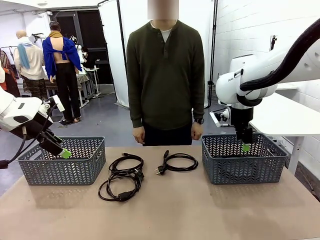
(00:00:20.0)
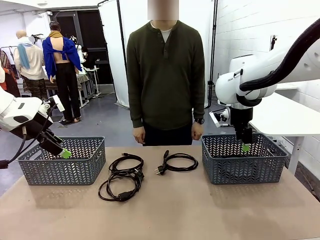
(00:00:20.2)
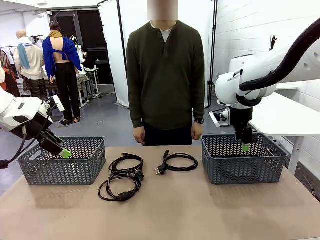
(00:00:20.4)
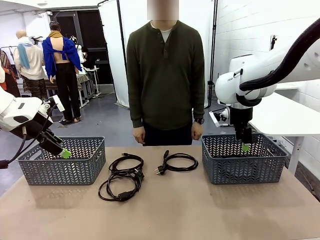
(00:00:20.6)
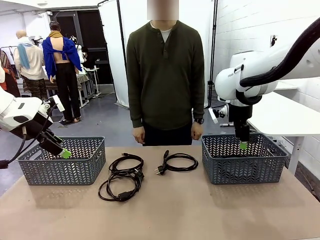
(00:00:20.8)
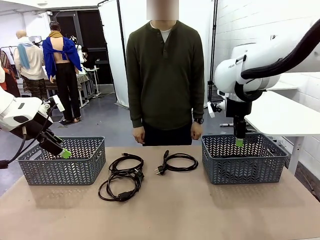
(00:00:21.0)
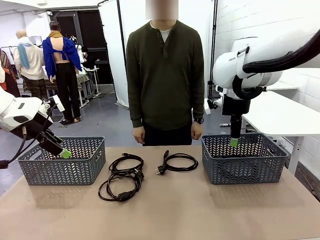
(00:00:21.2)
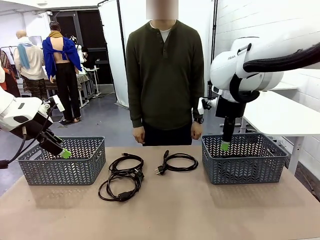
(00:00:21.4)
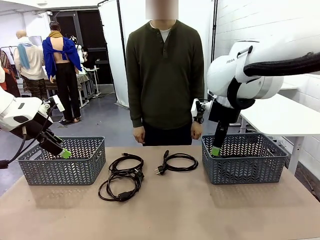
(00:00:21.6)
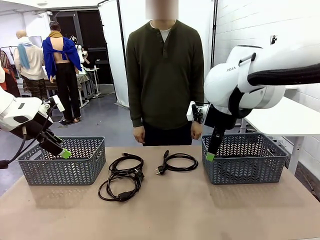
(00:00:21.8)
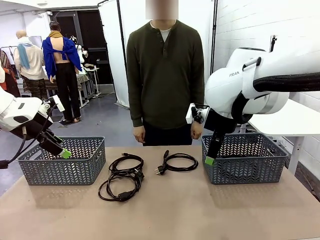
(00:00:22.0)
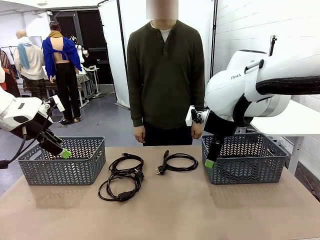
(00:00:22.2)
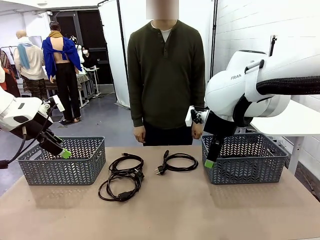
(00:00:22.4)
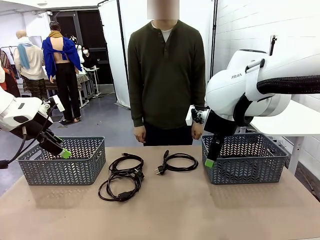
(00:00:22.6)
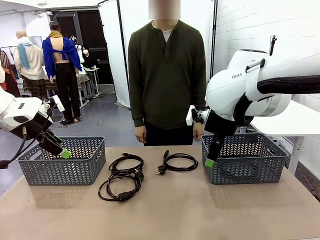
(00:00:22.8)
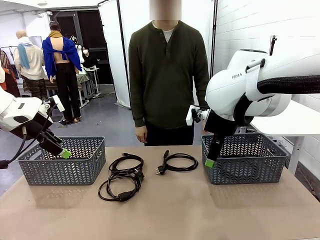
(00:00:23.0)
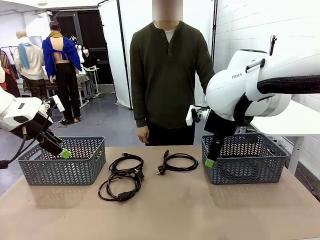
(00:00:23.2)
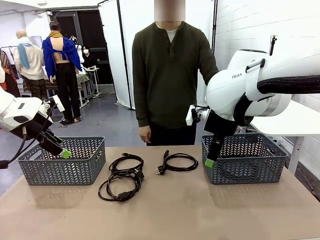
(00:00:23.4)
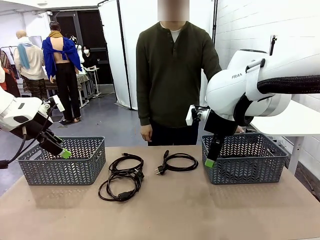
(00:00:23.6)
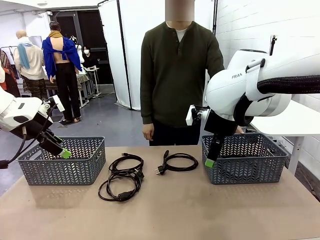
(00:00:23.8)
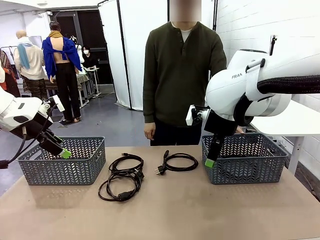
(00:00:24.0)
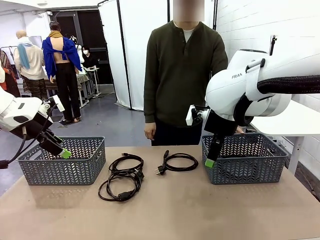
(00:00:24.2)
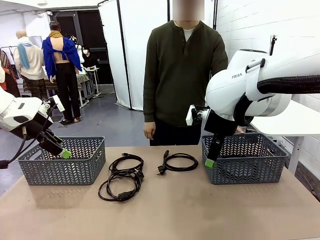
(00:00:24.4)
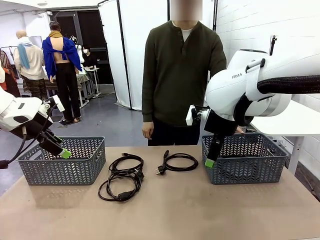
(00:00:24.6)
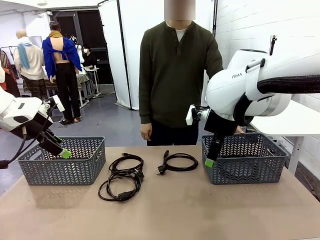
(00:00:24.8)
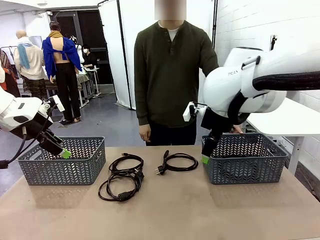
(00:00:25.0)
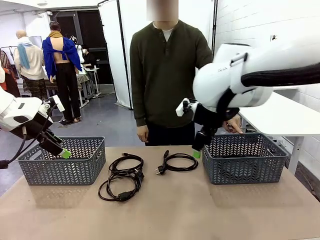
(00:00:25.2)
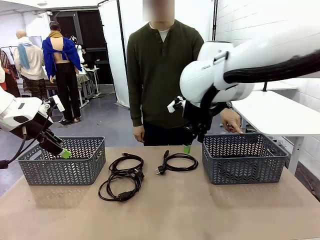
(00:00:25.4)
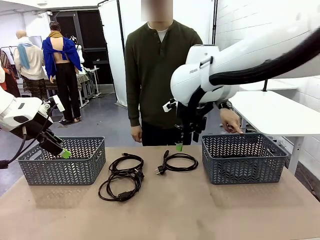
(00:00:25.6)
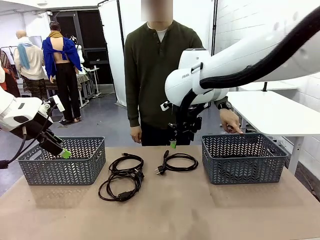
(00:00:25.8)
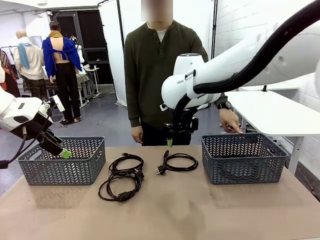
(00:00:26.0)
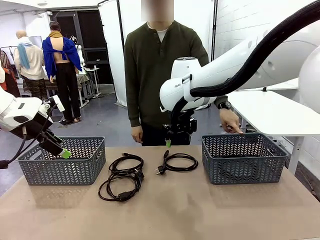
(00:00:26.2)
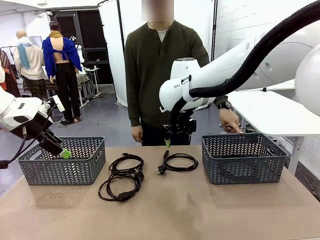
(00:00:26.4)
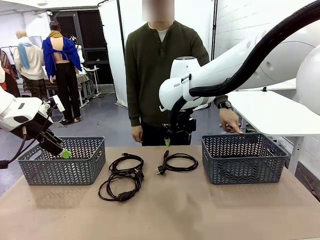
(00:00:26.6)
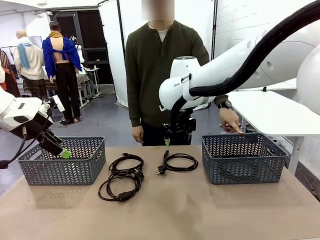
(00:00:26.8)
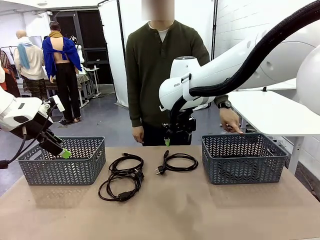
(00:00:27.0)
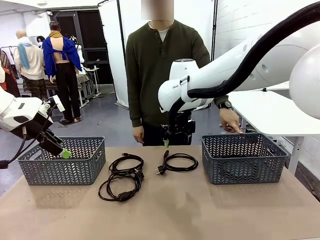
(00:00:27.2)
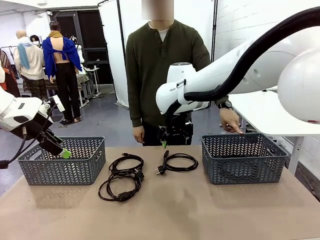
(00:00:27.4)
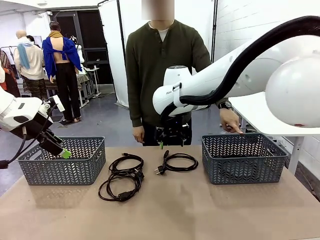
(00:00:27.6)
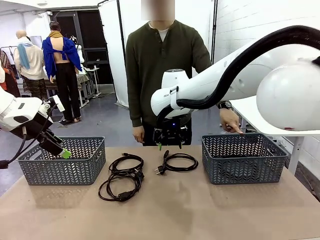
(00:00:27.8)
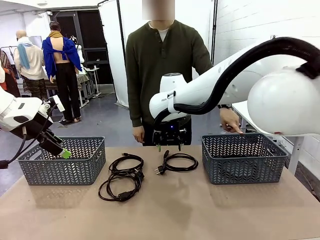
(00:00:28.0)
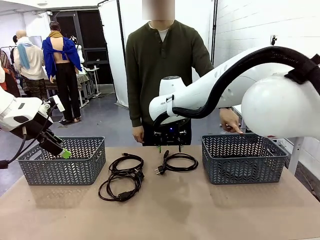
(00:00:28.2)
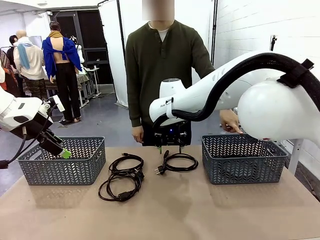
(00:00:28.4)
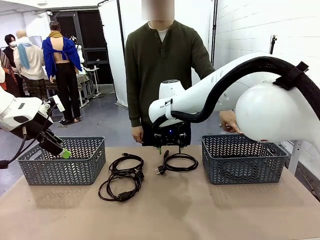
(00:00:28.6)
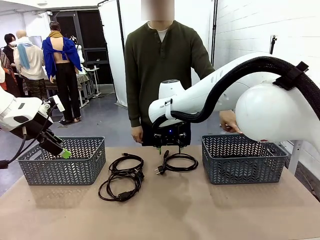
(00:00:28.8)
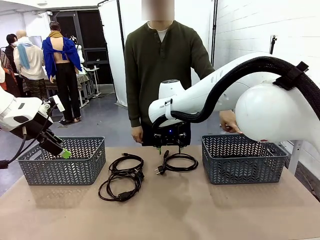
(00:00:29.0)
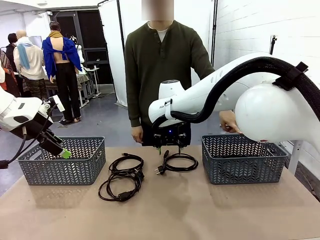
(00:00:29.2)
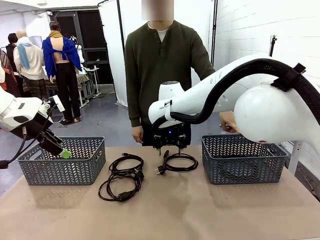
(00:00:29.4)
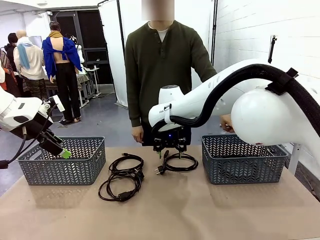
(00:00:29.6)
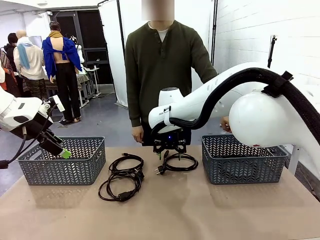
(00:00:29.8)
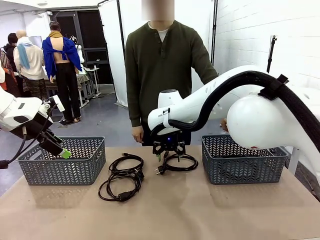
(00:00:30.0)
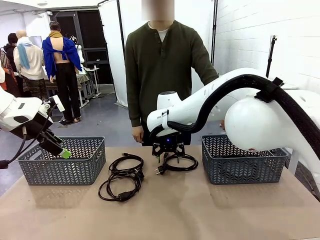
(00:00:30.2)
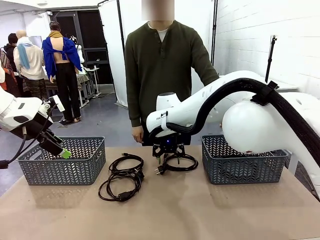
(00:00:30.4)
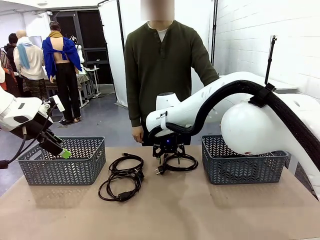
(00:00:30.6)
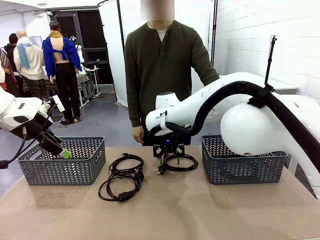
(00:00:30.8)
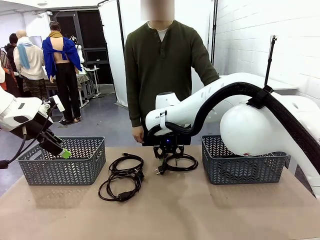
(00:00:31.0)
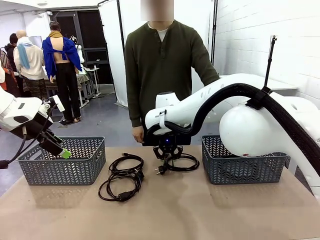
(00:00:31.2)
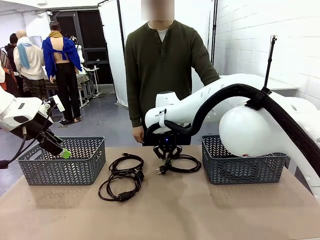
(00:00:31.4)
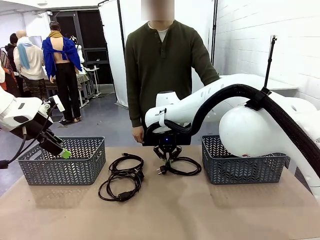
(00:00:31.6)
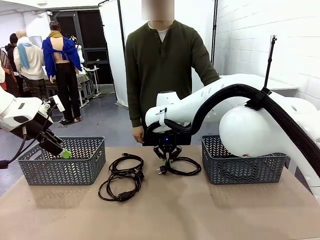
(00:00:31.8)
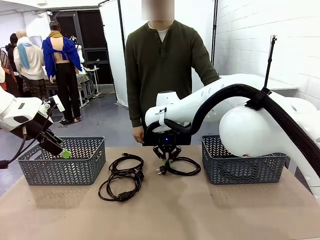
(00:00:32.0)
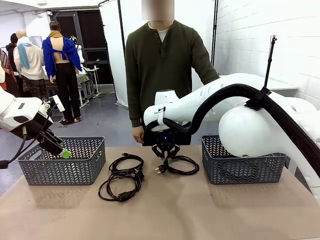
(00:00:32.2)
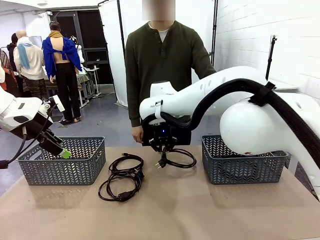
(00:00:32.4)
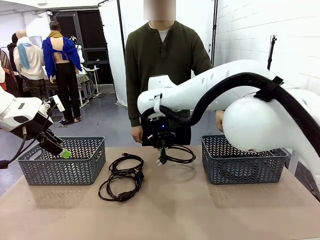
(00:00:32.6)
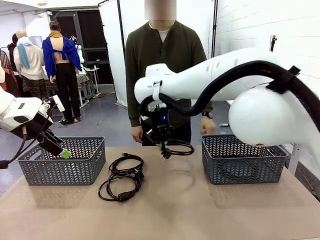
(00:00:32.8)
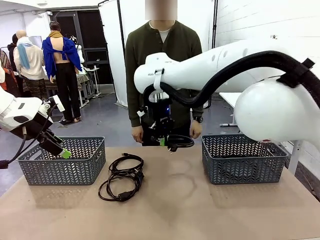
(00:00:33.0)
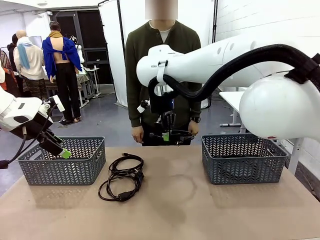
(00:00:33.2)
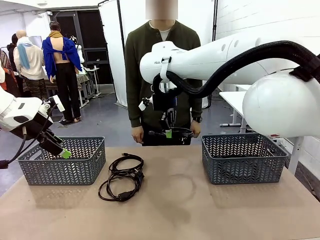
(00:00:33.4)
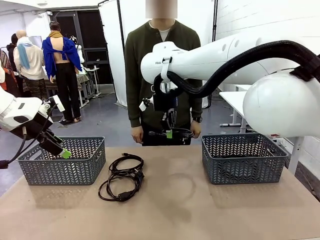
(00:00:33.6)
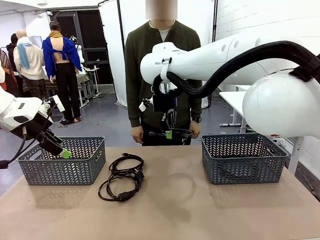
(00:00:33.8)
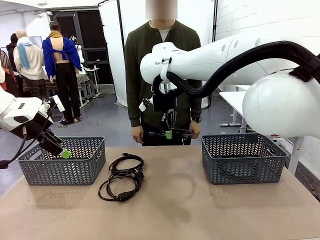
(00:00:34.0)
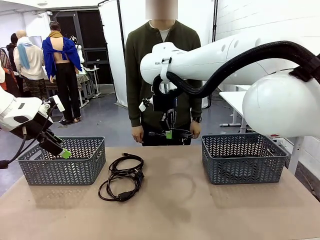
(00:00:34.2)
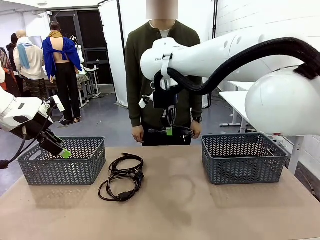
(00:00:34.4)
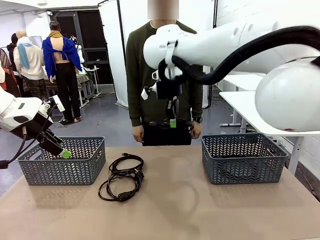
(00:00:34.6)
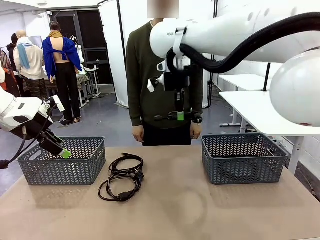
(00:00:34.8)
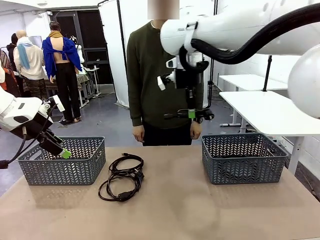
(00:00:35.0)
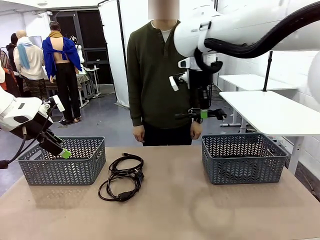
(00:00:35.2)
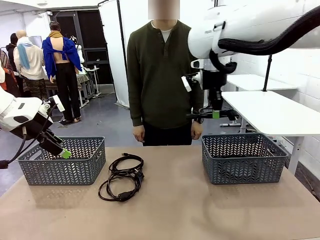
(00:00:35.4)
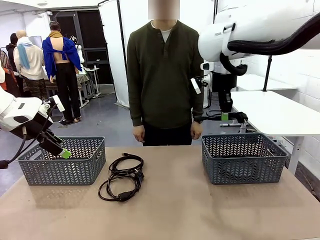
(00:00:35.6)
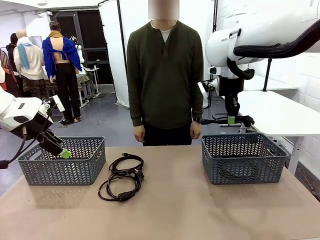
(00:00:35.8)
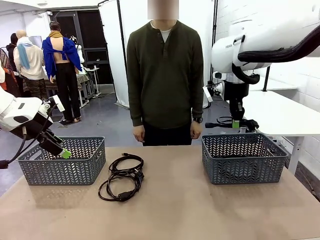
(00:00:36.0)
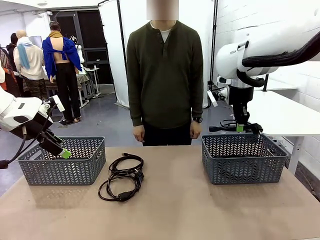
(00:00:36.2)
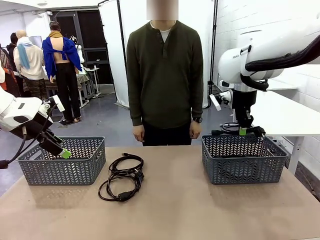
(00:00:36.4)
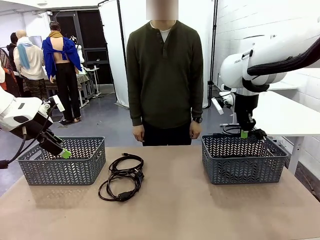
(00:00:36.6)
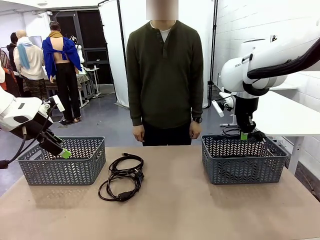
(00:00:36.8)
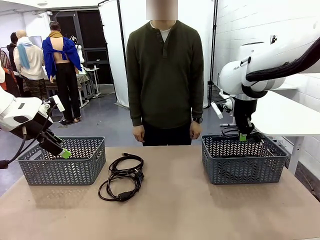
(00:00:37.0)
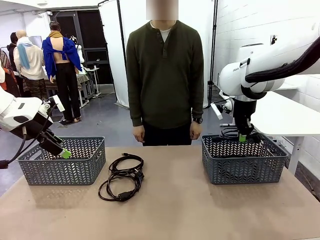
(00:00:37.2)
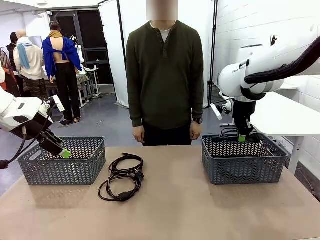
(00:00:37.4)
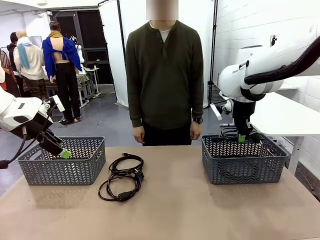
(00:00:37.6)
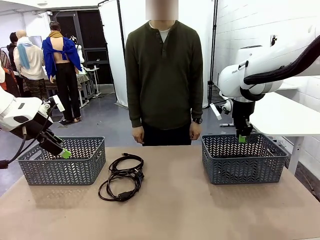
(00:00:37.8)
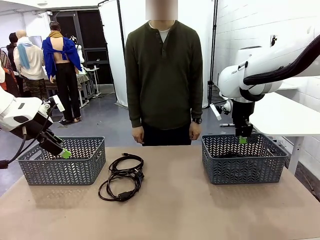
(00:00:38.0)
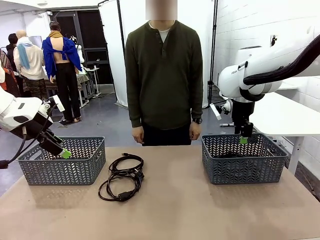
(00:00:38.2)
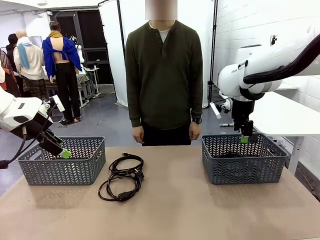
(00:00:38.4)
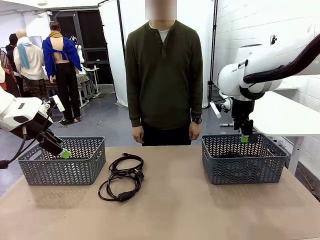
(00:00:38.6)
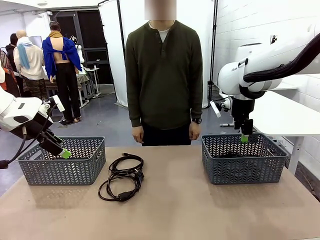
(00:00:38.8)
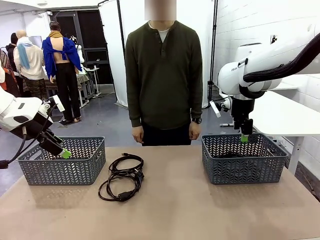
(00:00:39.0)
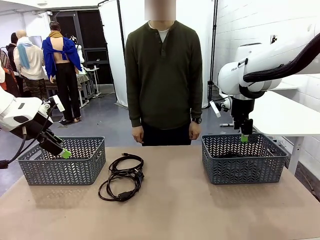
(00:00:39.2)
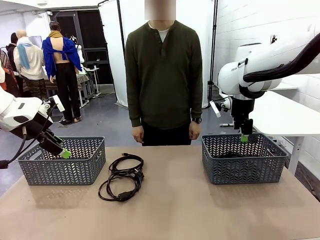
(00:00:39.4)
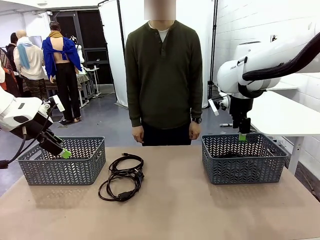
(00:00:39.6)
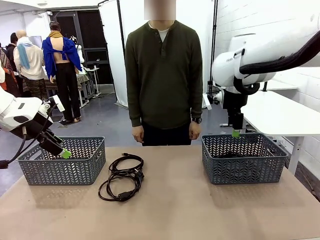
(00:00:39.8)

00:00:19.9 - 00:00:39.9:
Task: Organize the cables according to human instructions.
Robot: Pick up a bundle of cables and place it in the basket indicated by the human.
